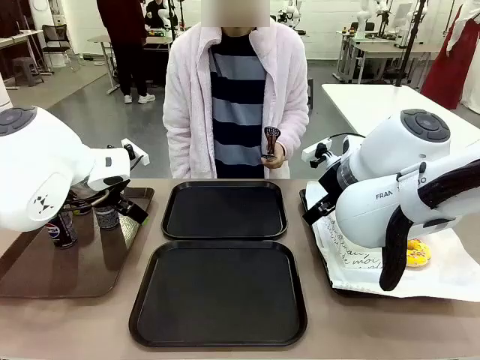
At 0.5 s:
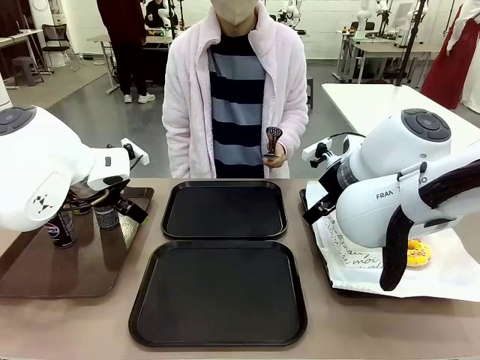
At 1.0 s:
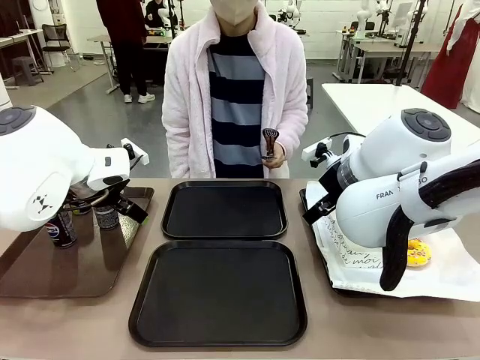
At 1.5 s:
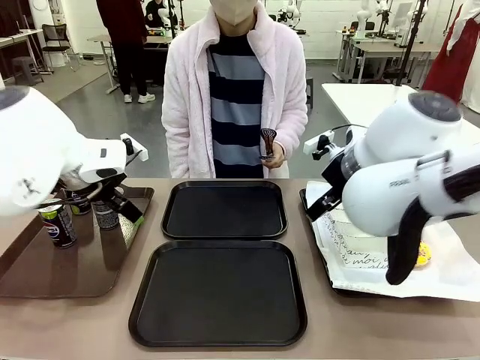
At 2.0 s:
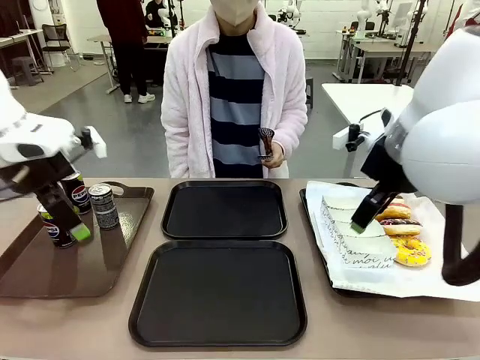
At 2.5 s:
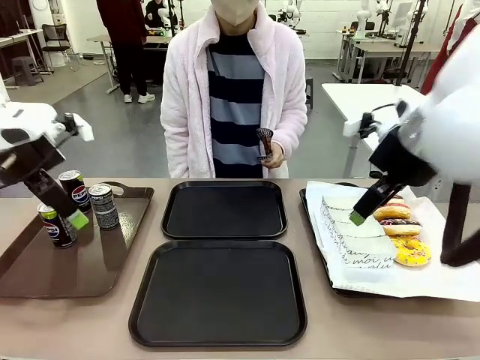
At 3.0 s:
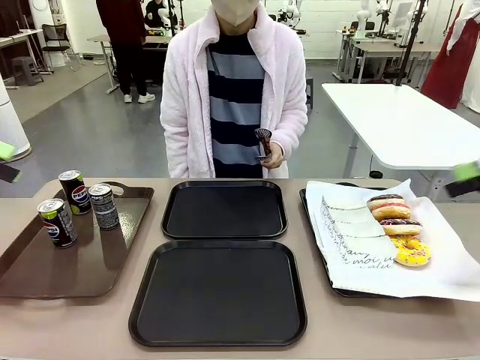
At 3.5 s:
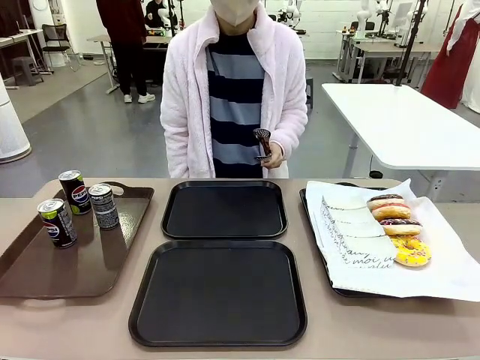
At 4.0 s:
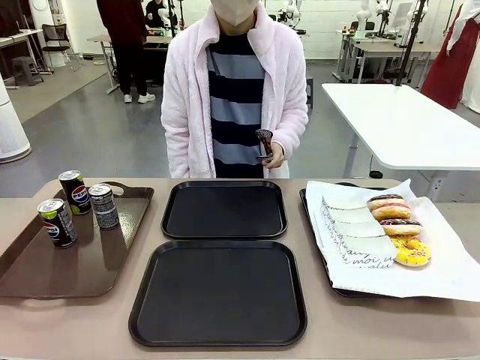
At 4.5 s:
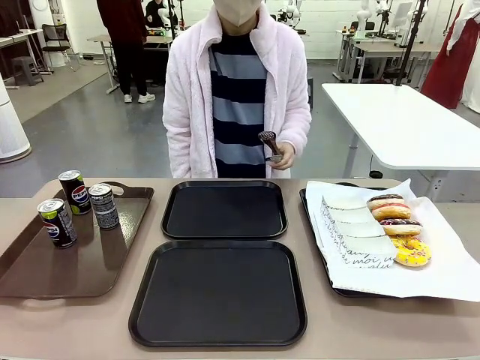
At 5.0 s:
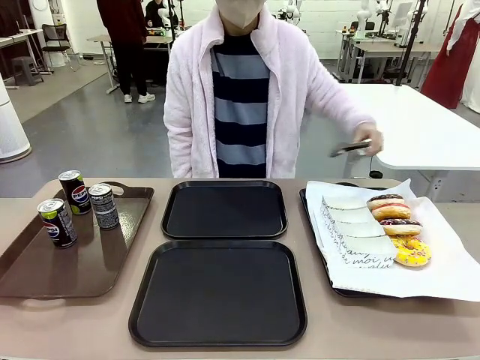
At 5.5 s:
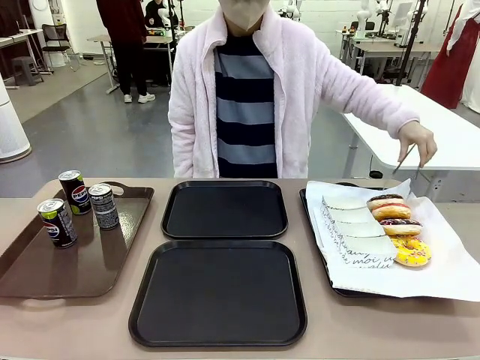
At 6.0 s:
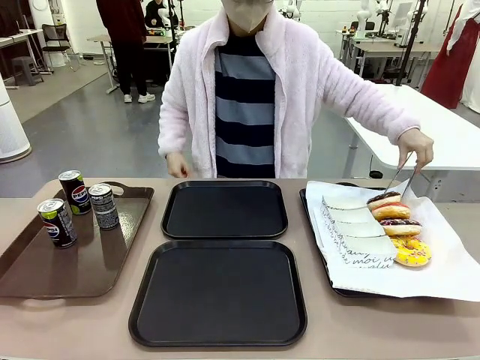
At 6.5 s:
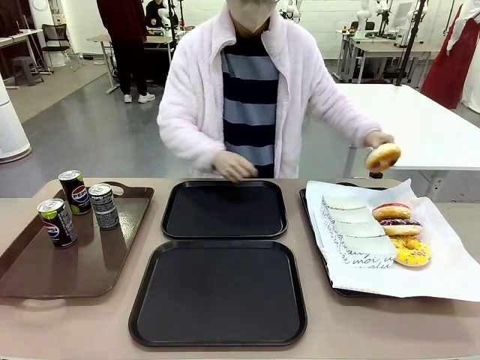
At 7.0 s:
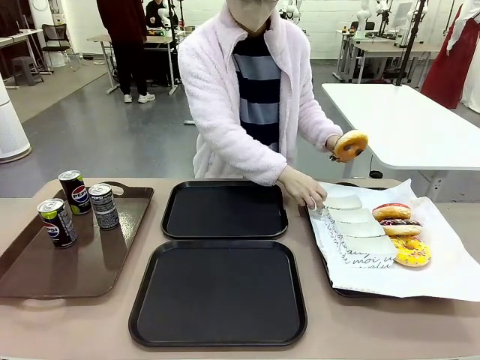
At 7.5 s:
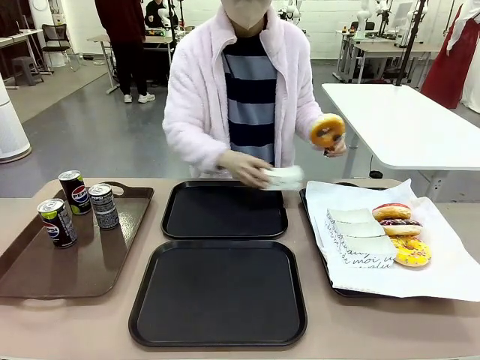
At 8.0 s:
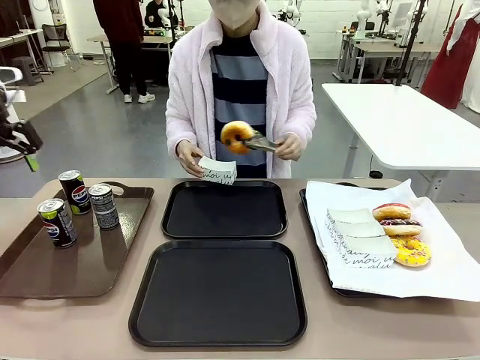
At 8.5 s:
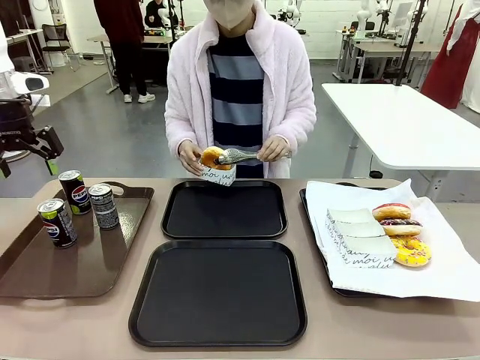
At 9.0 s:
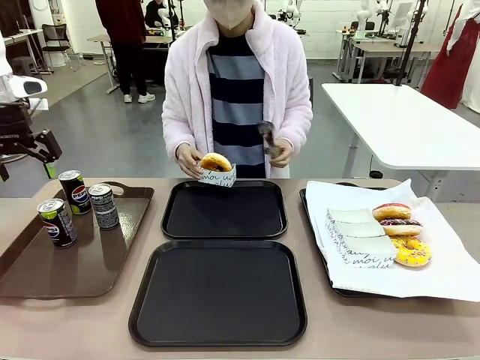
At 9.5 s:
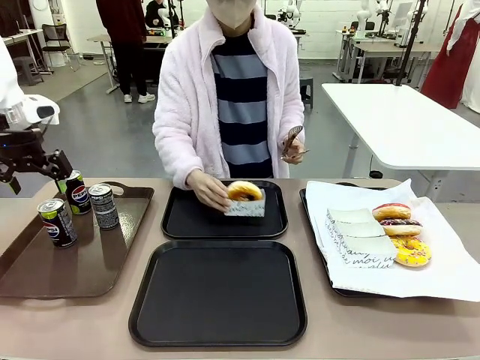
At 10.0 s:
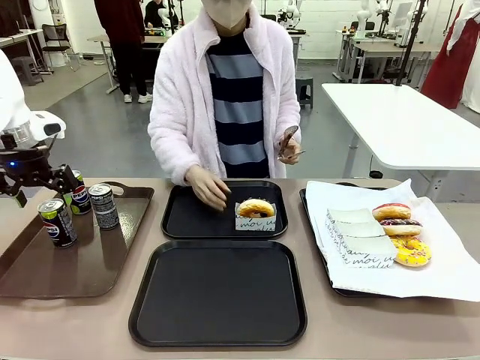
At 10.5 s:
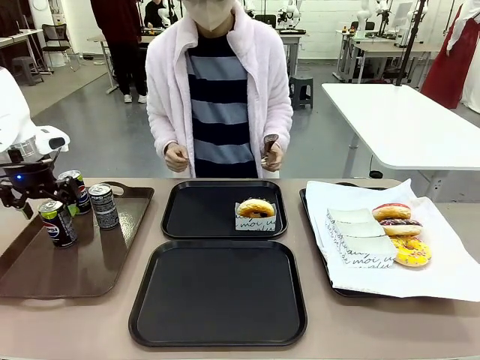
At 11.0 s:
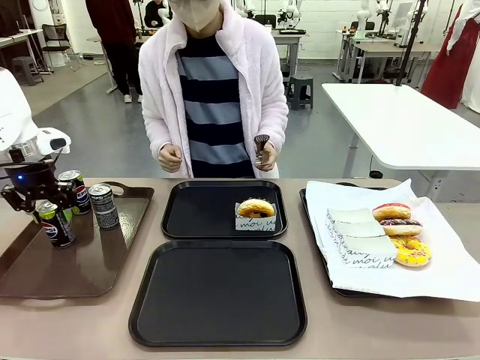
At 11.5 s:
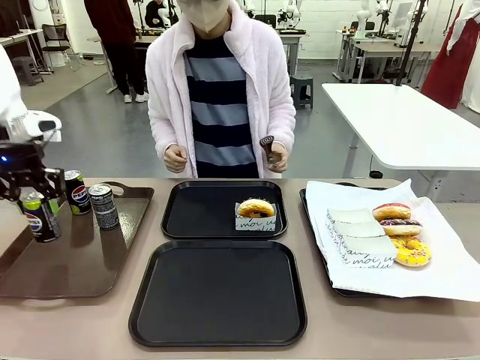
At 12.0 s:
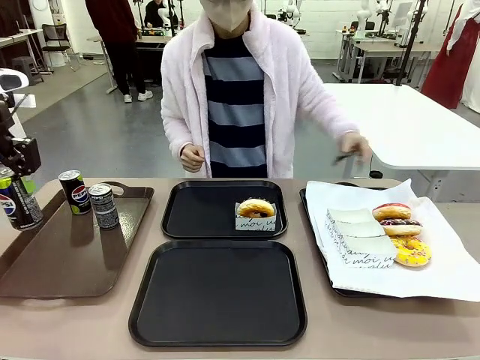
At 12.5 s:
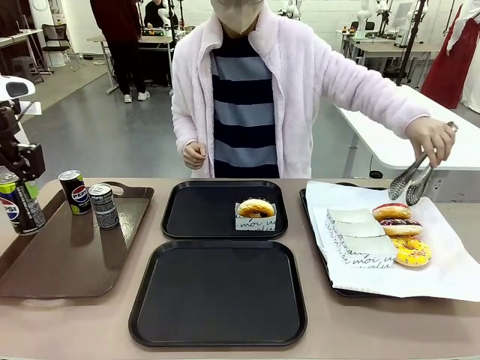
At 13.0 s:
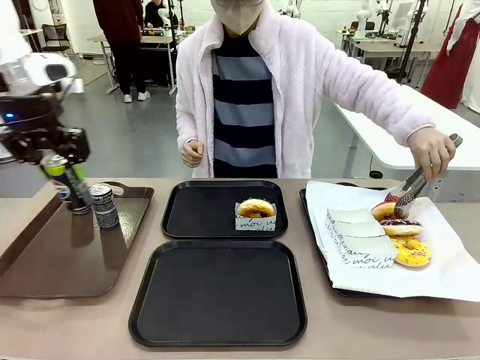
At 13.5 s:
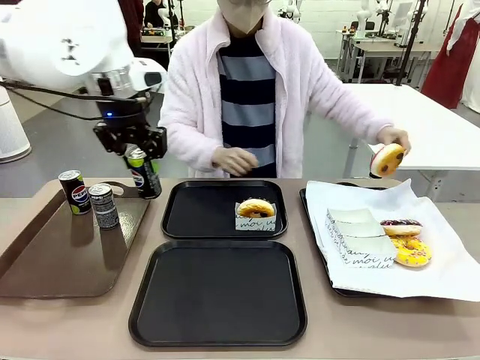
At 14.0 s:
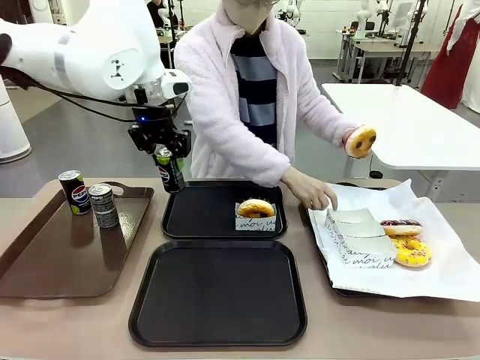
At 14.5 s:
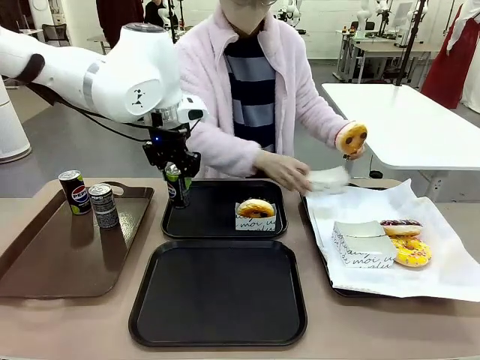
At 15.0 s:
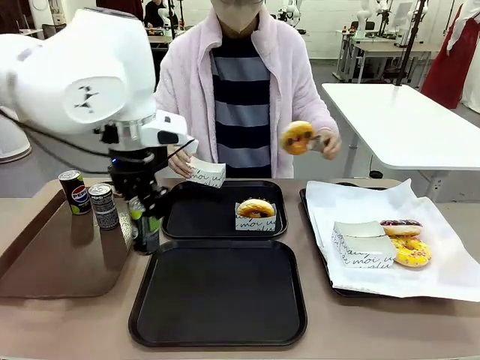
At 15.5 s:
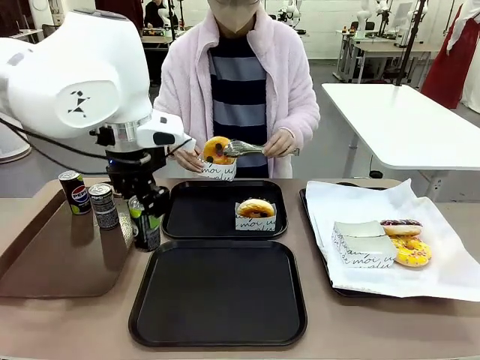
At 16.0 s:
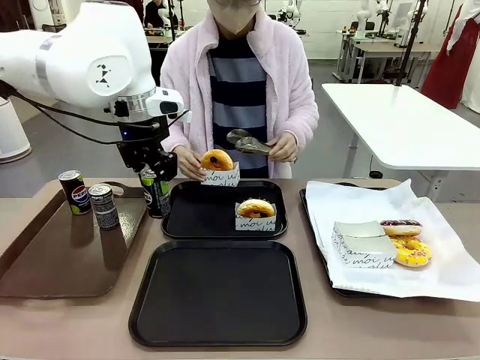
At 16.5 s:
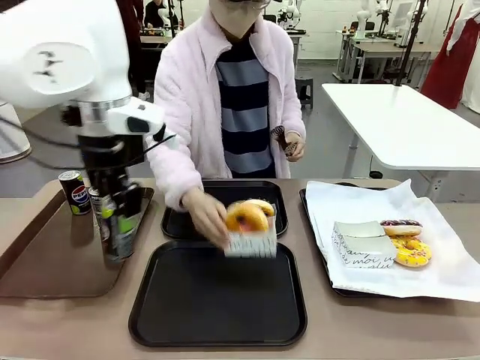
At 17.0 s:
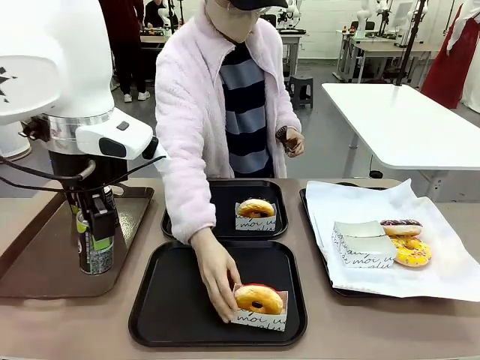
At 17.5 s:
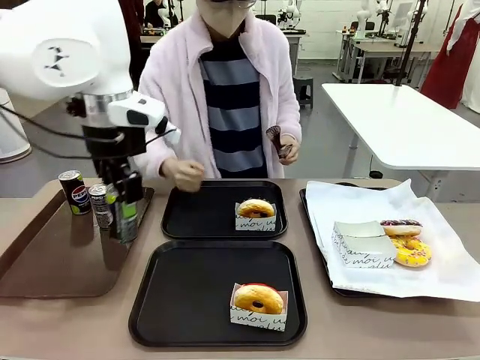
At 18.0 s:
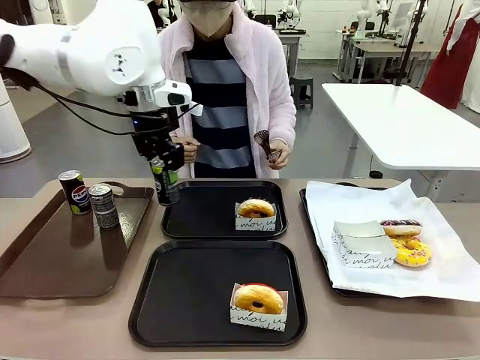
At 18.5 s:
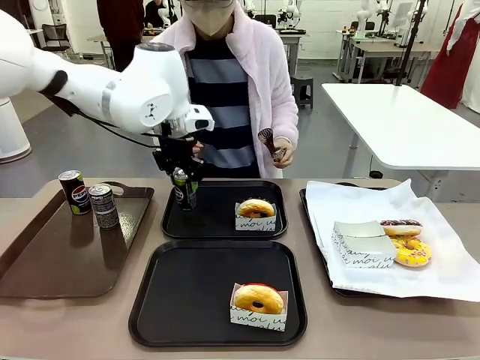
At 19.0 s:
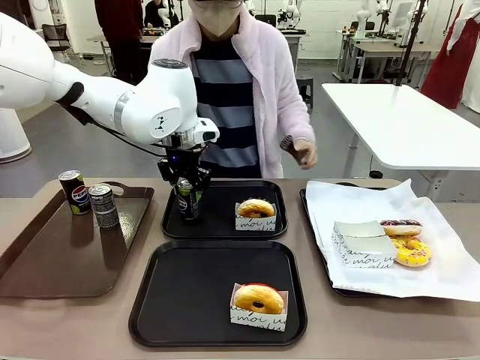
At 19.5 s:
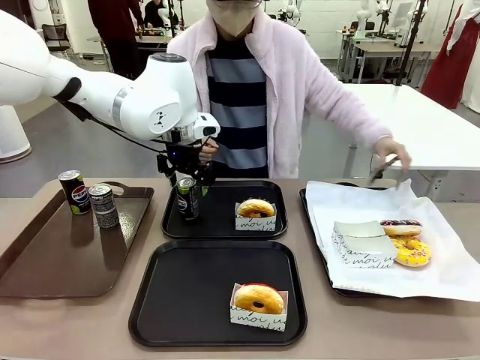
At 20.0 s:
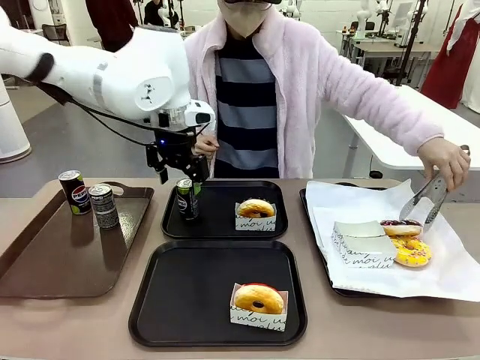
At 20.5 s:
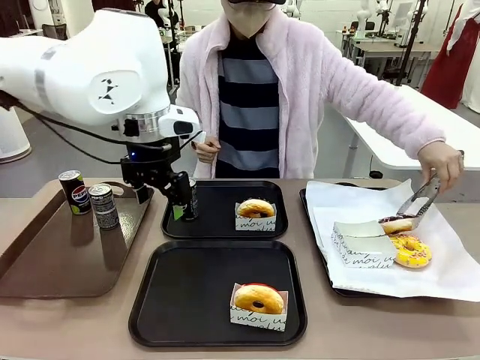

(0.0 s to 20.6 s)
Task: Set up donuts and drinks on trays.
Robot: Pick up one Pepsi coke and place it on the Flat Tray.
Person: Pick up one donut with tongs, place it in the donut tray, and then place the donut tray on the flat tray.
